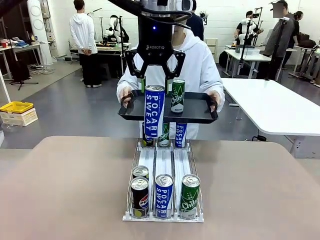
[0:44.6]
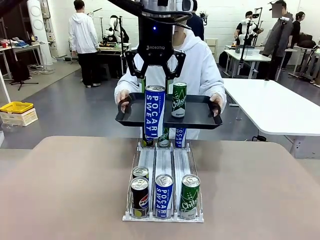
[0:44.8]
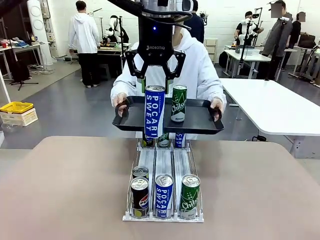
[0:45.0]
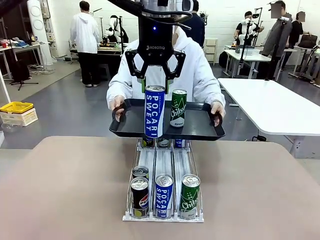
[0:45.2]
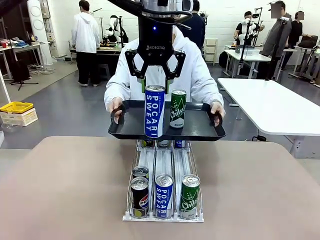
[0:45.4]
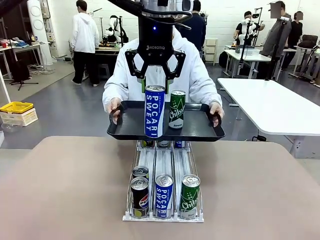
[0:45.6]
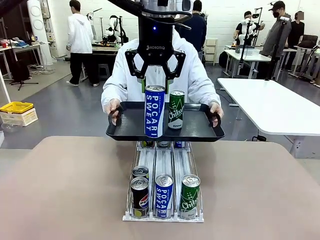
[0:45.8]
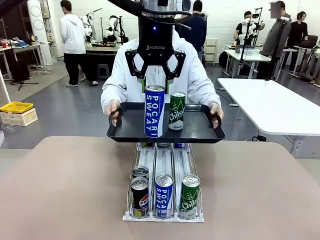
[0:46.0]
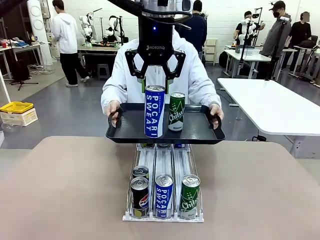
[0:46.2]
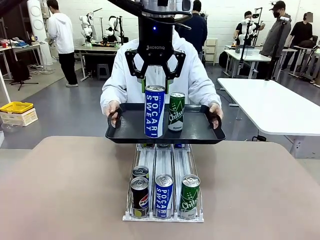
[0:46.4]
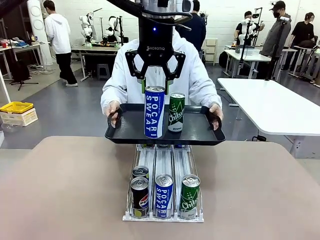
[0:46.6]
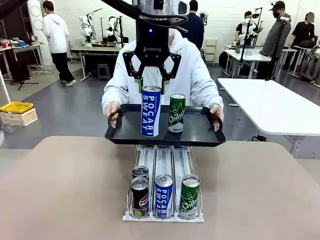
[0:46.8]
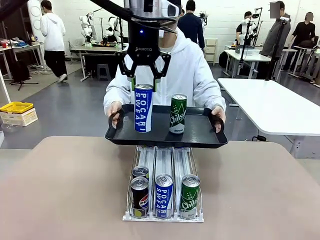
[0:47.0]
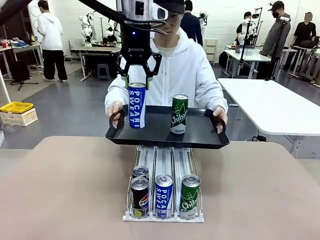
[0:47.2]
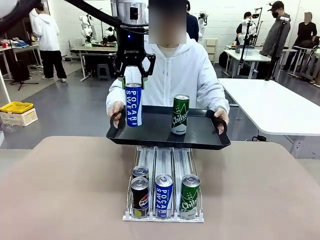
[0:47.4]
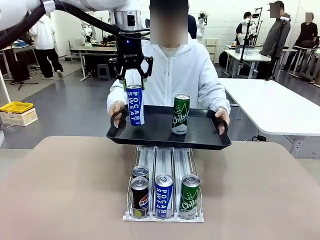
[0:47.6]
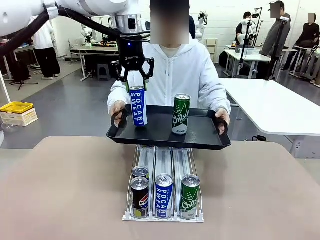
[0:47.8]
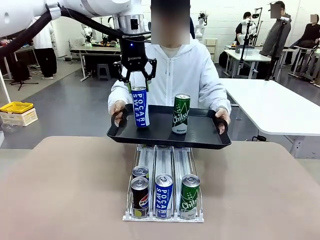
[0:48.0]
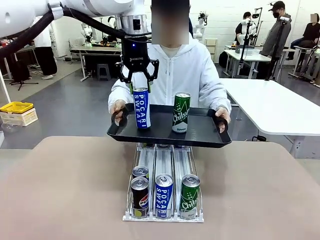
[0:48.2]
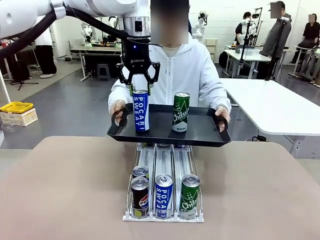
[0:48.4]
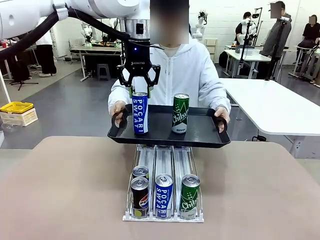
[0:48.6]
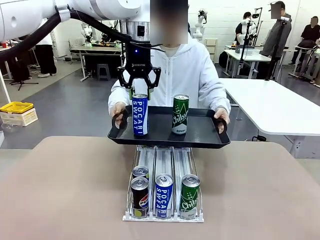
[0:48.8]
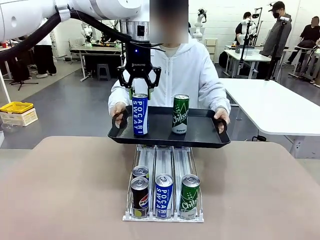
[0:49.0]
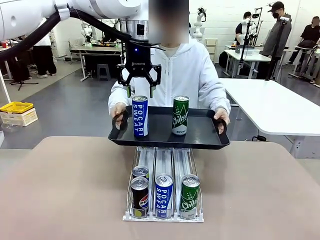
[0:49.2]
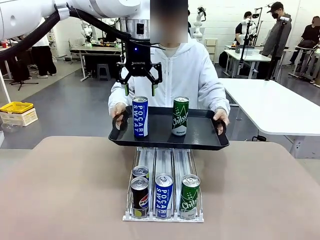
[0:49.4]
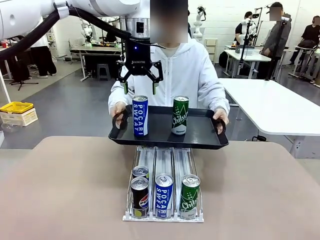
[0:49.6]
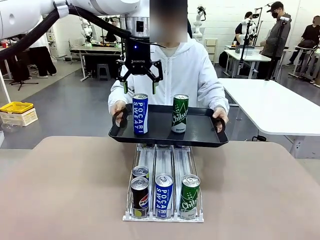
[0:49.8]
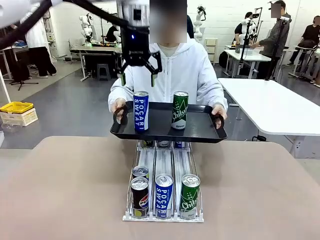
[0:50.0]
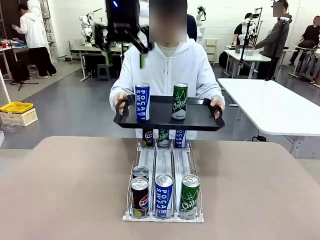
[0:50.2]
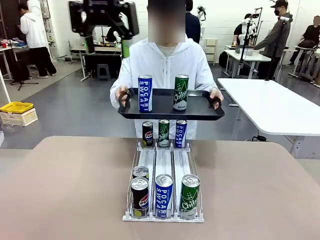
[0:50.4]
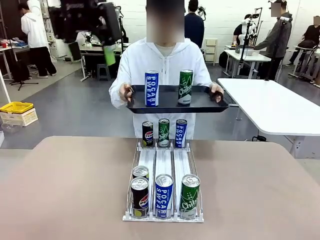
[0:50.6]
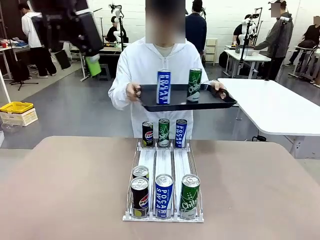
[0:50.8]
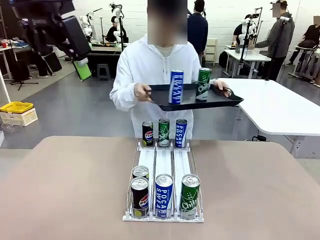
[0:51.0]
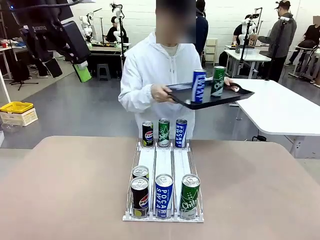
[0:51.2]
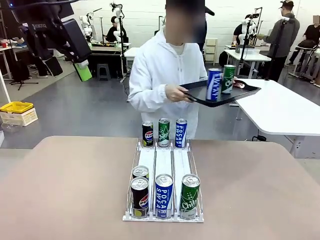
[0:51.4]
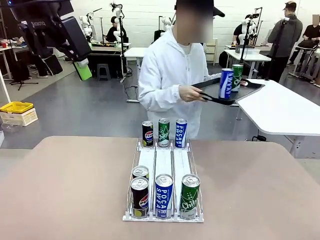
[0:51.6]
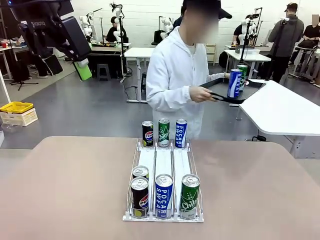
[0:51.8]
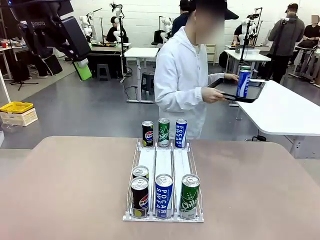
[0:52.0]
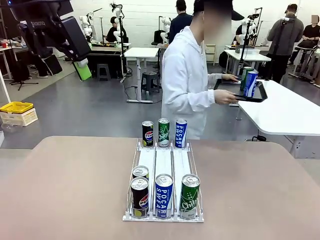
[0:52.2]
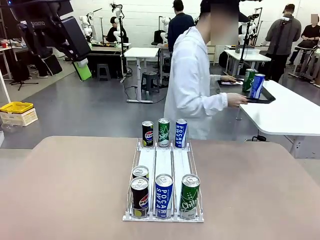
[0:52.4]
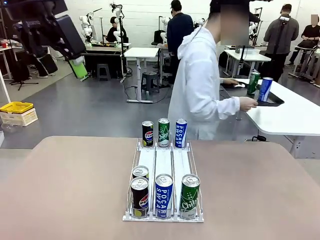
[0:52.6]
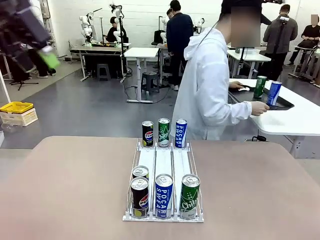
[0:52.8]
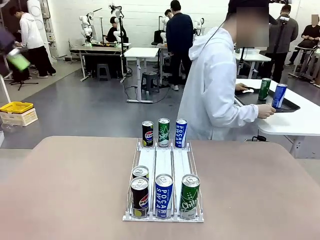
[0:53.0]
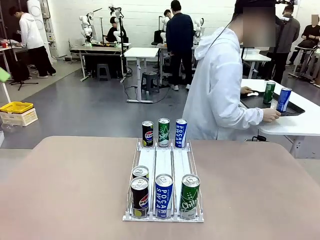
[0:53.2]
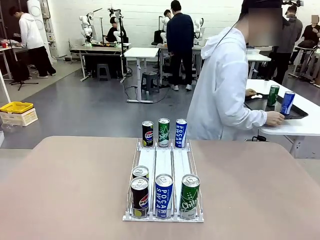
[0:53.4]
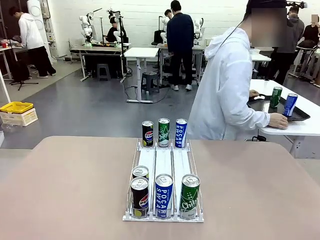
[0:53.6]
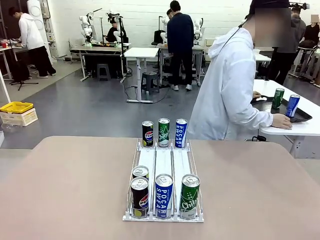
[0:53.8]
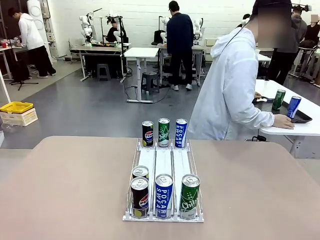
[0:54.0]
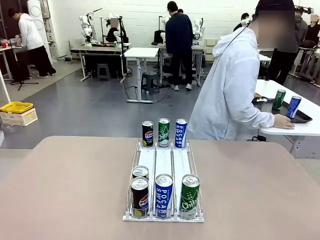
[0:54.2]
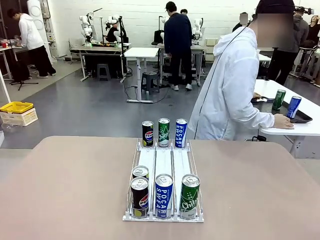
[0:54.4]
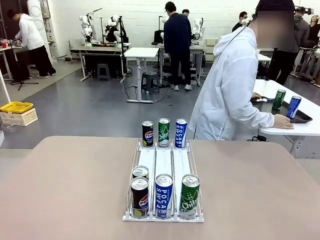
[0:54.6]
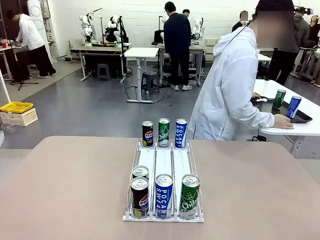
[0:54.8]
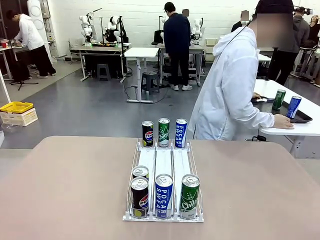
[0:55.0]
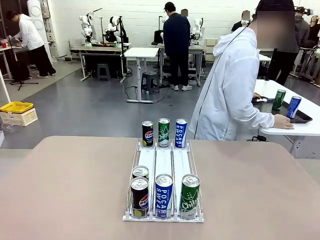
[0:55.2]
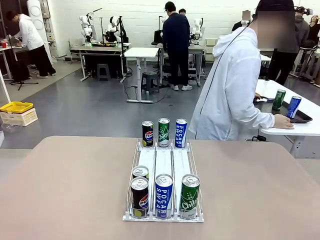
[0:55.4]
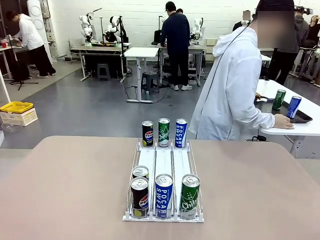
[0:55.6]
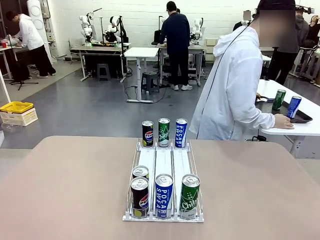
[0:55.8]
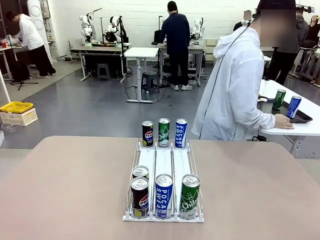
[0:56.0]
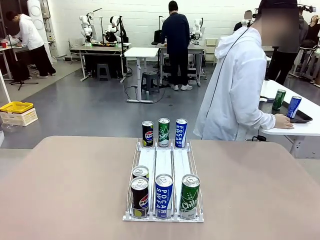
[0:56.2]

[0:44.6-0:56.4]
Task: Retrieve and hand over the desired beverage to the person.
Robot: Place the picked can on the Handle tray extended by the person.
Person: Pull the tray back and place it at the center of the human table.

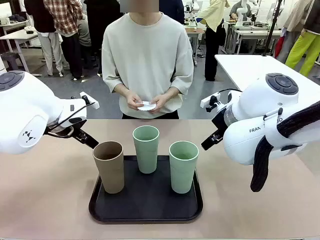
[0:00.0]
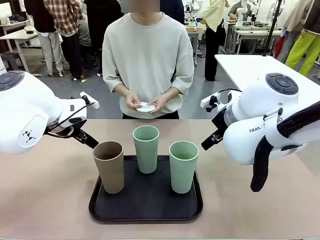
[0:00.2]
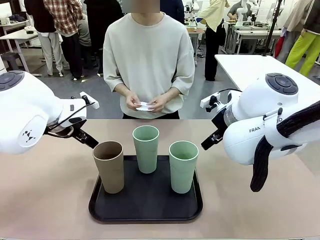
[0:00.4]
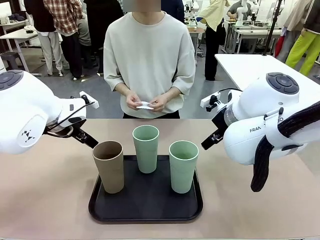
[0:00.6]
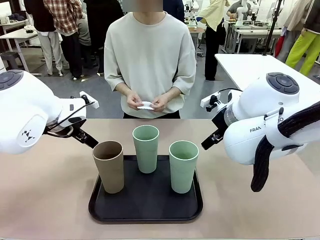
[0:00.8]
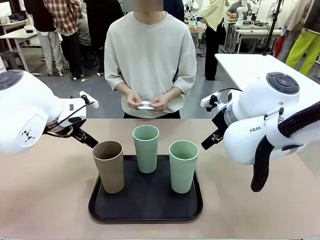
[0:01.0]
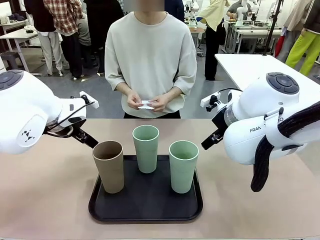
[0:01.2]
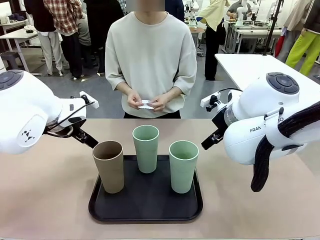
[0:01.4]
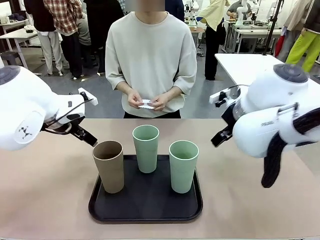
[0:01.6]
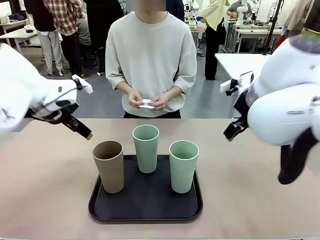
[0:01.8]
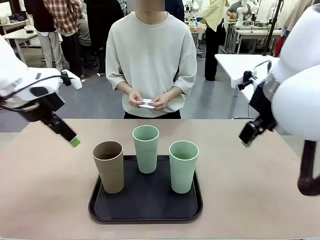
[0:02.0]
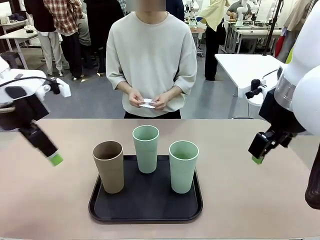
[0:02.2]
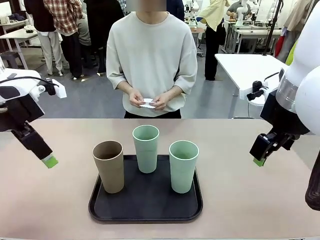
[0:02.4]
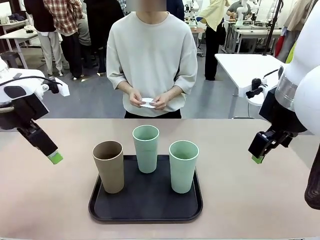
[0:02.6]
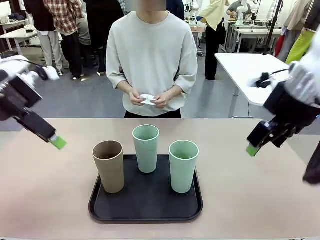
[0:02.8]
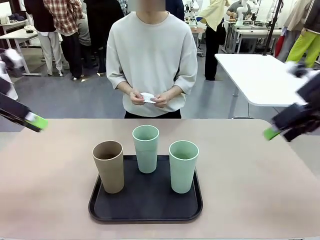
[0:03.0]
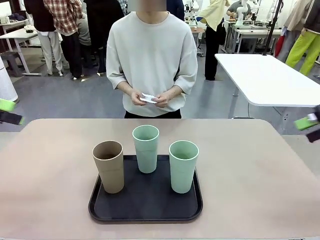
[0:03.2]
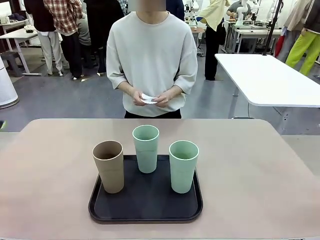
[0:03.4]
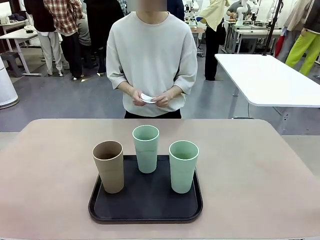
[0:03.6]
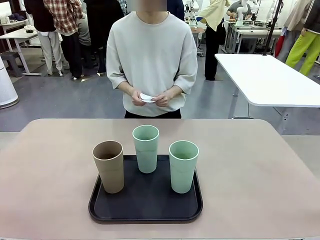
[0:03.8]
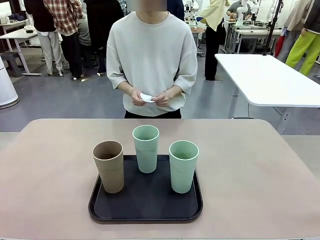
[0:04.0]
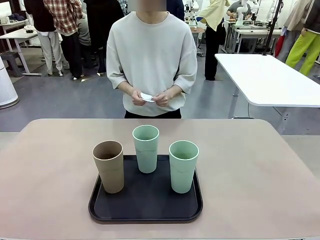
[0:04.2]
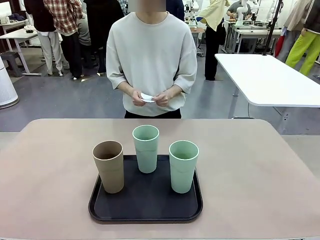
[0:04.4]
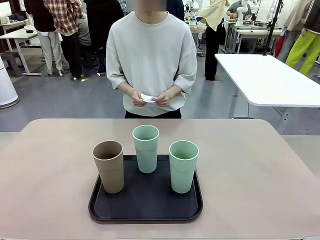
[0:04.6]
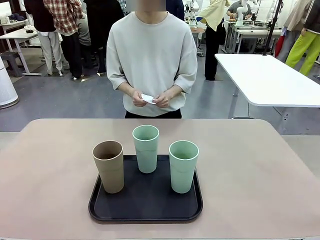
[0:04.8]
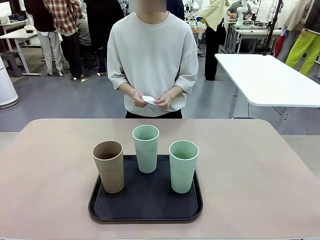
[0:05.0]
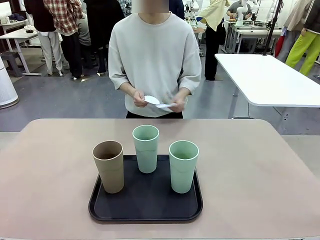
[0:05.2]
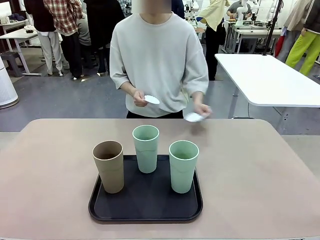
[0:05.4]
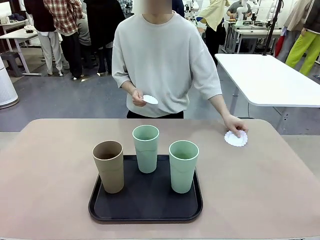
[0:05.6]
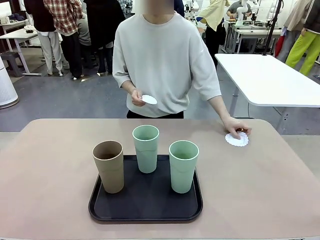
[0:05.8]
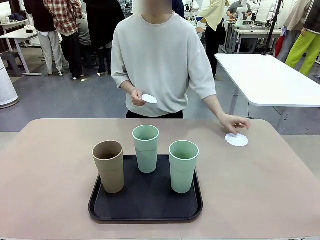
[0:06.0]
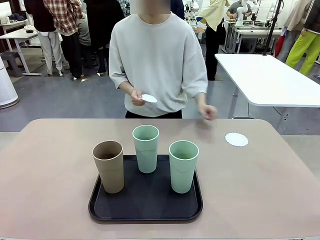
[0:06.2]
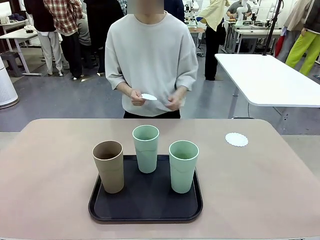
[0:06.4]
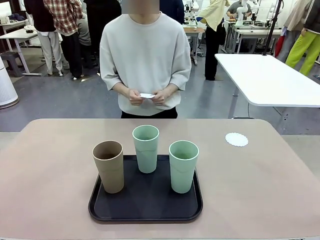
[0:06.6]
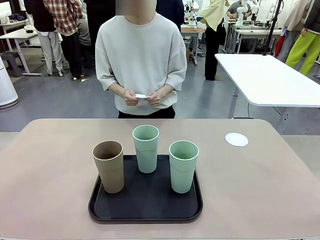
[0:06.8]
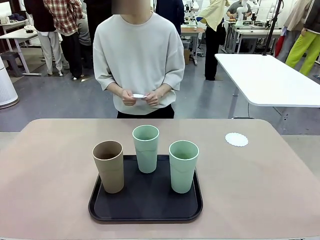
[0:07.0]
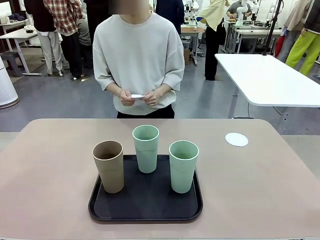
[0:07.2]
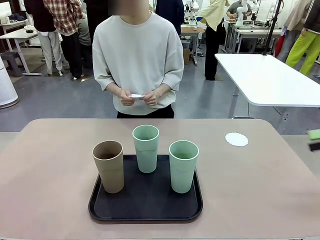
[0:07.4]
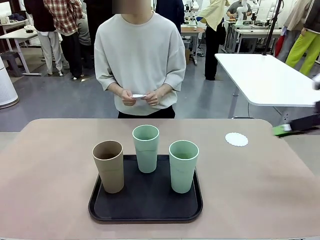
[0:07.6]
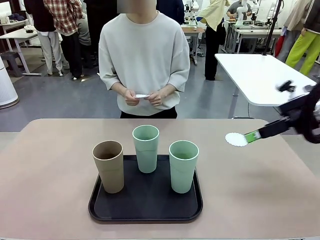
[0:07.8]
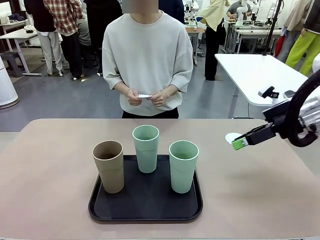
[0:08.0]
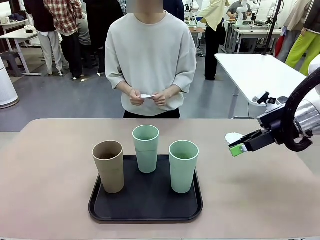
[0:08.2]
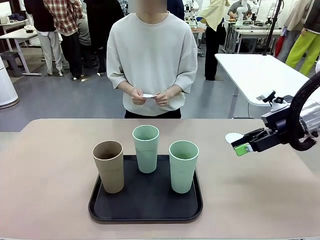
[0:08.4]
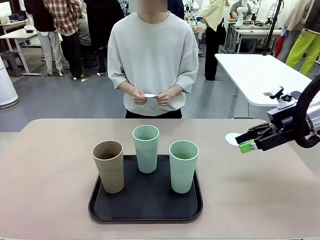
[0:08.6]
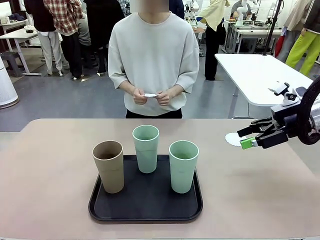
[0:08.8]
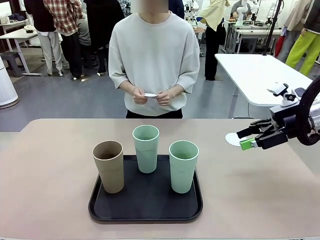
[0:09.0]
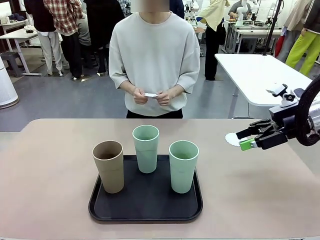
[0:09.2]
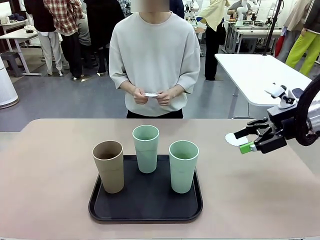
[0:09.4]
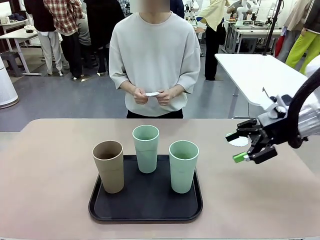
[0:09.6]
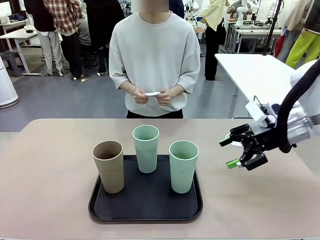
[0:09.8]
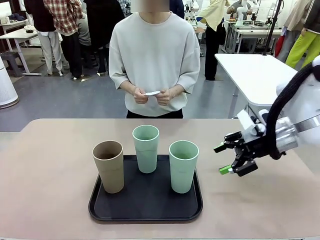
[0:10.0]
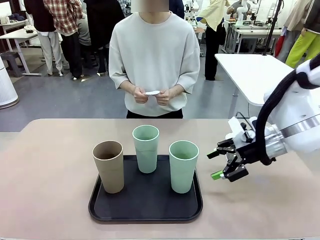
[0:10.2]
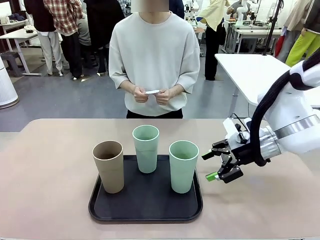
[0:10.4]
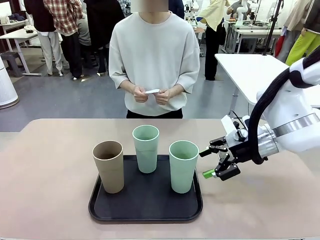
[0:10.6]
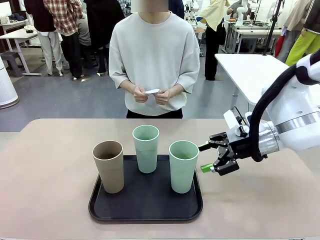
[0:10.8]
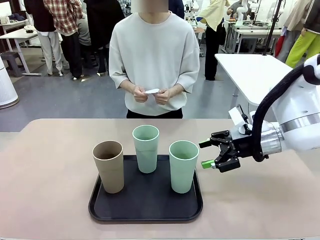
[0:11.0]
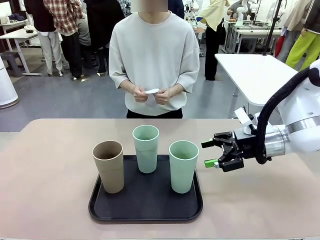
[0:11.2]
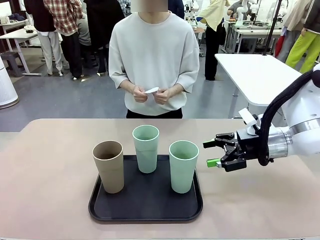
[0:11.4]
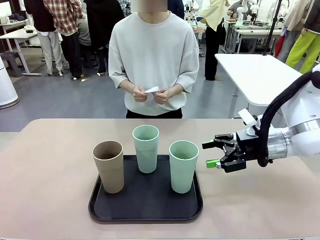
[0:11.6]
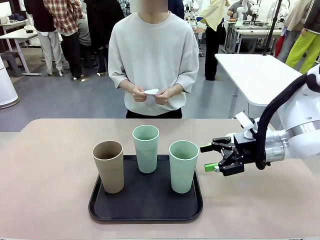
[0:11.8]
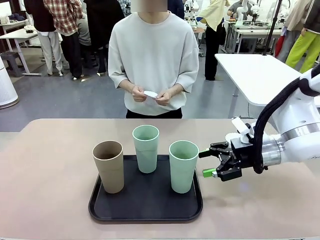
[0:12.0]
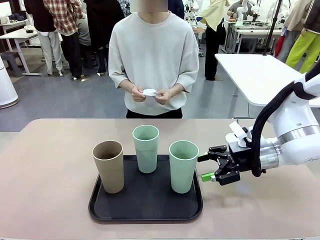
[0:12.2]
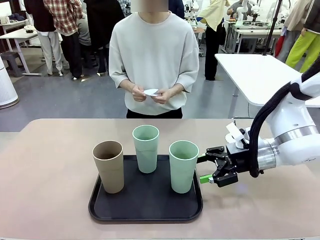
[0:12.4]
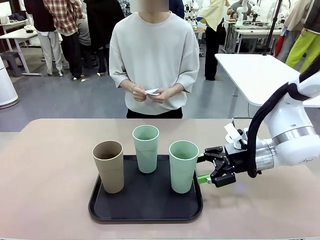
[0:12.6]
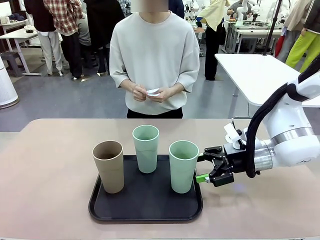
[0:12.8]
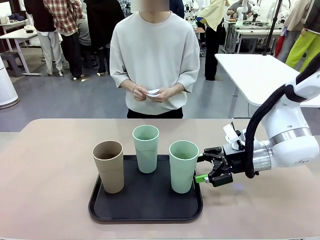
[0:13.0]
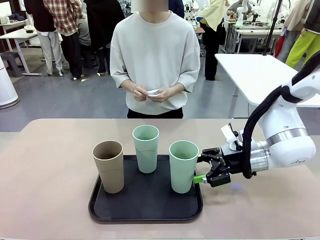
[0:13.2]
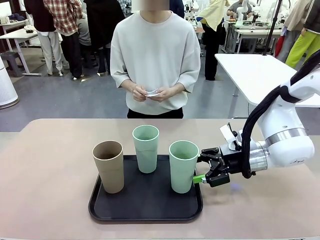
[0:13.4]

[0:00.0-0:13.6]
Task: Place coasters on the table and set cups on them.
Robot: Pick up one Reusable plastic cup and place it on a coaster set by the human.
Person: Place one coaster in any one of the three lower areas of the robot table (left, center, or right).
